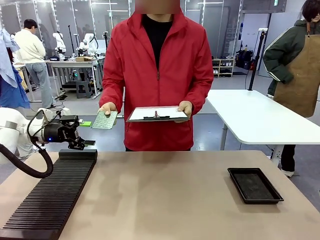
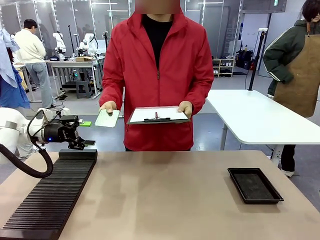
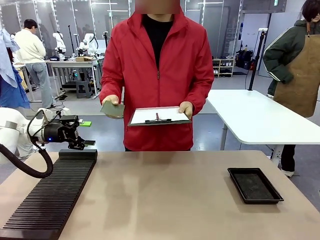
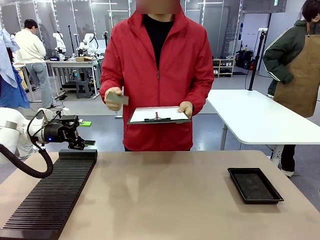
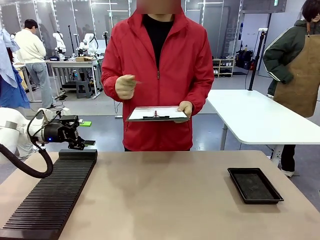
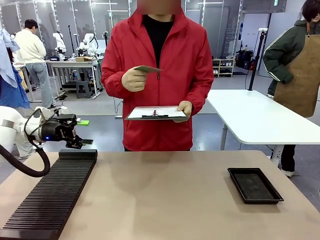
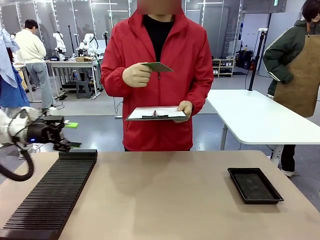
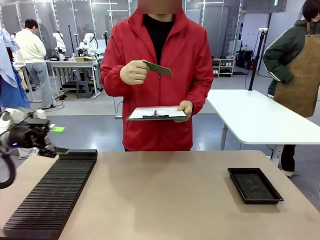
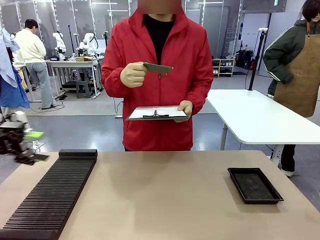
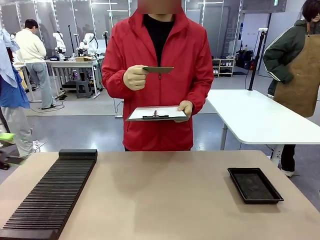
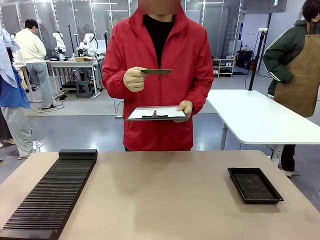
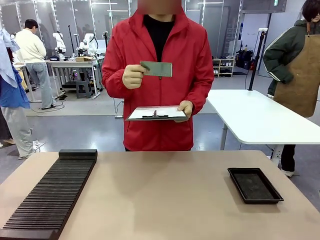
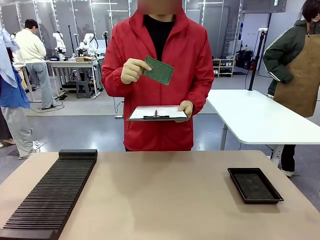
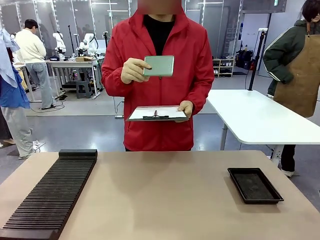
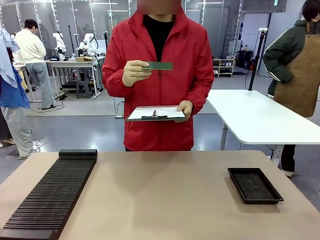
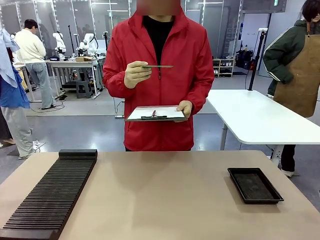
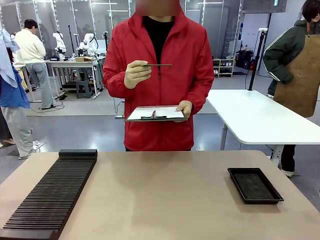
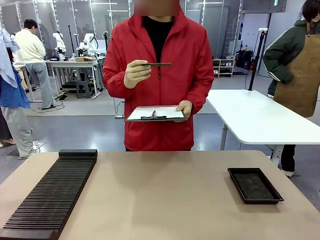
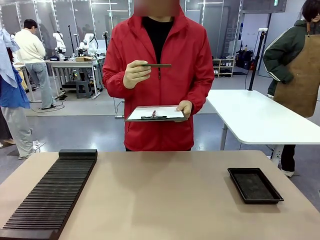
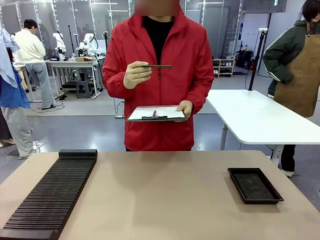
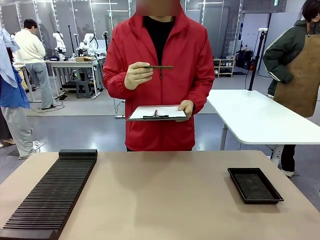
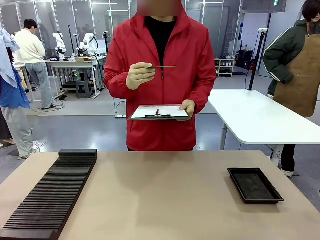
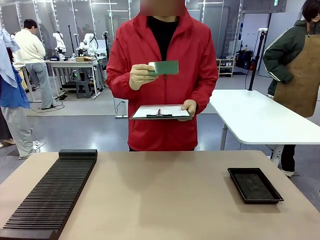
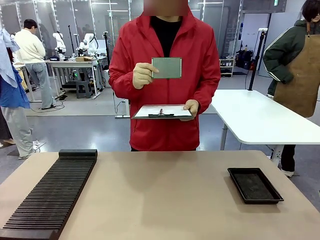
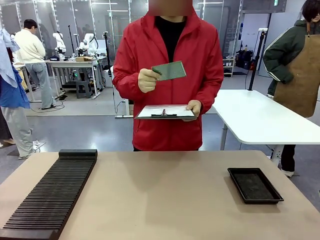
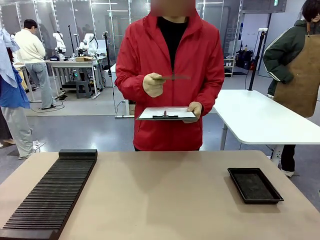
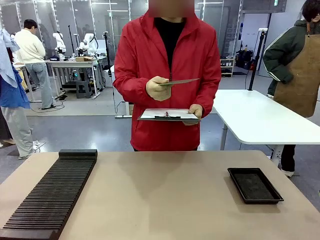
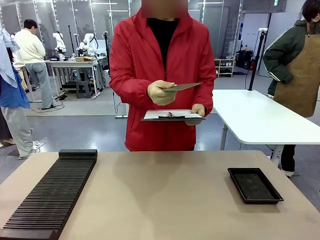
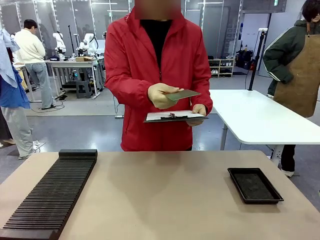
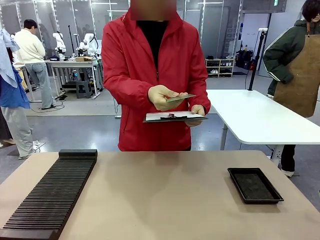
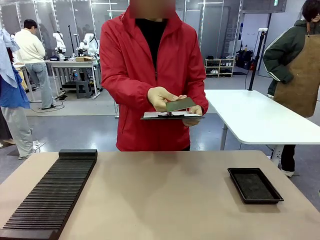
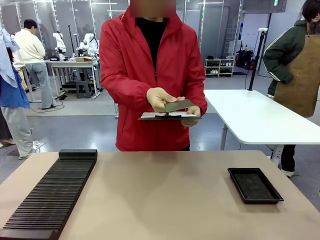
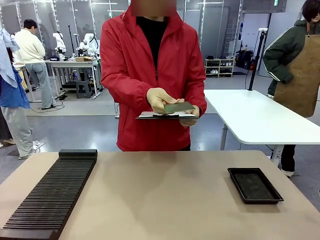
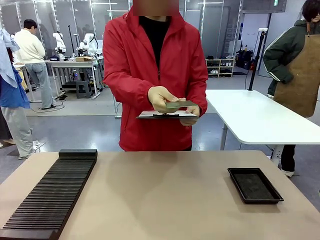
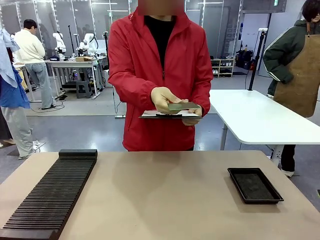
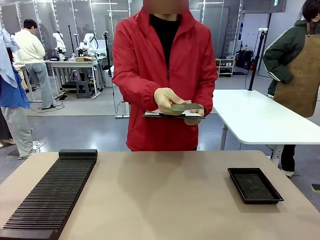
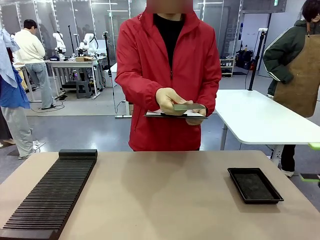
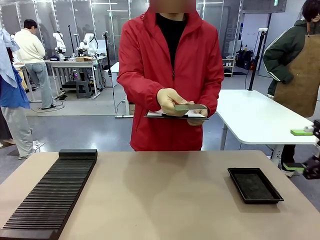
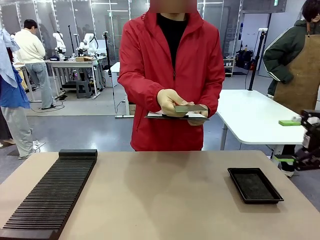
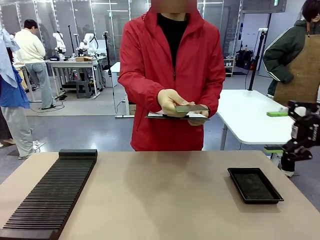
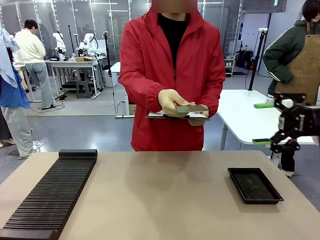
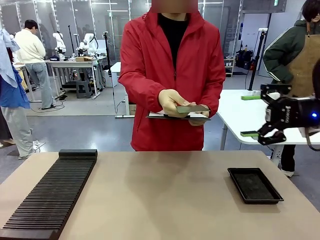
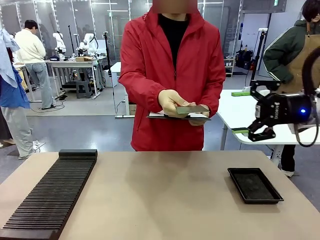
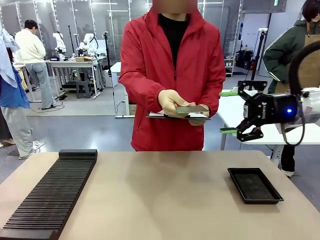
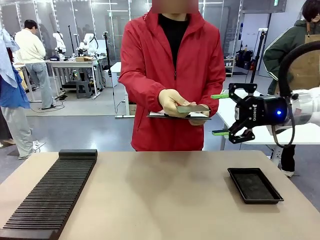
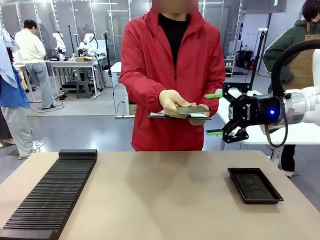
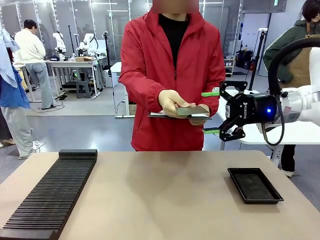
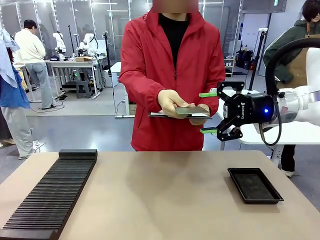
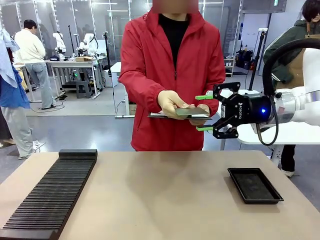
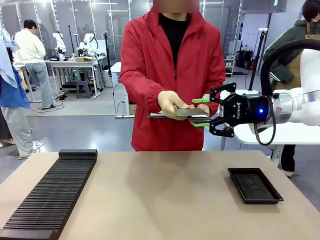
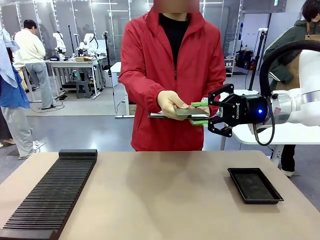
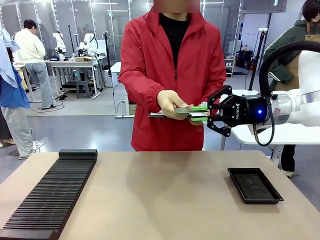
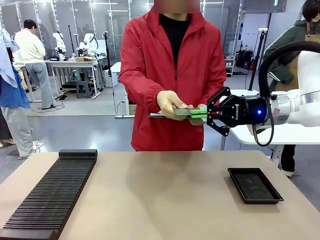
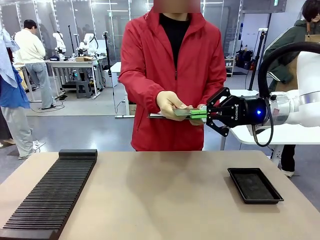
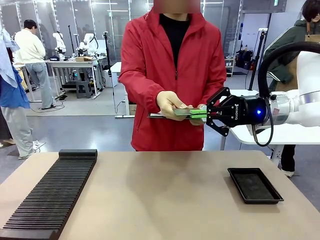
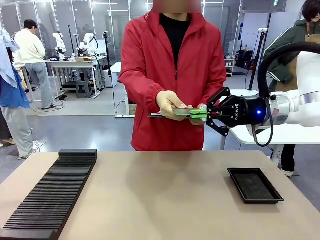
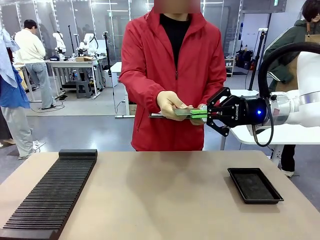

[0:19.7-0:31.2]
Task: Inspect the PCB.
Robot: Pick up the Blank PCB that the human is holding.
Person: Inspect the PCB placed by the robot, then hold it out in front of the robot. Release the PCB you were holding.

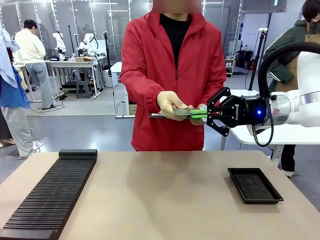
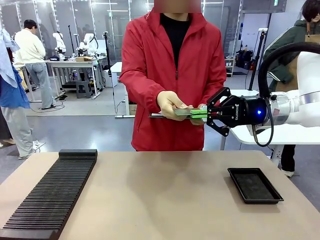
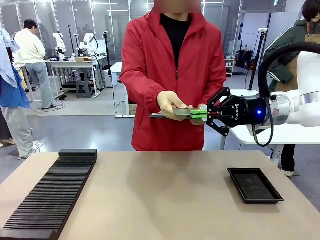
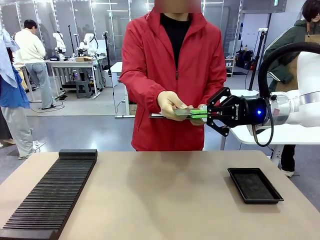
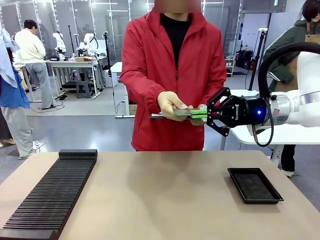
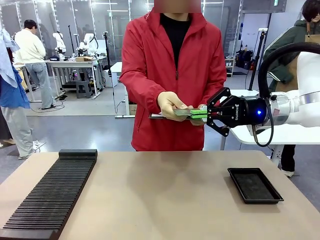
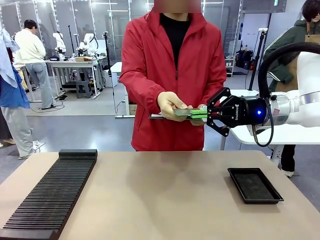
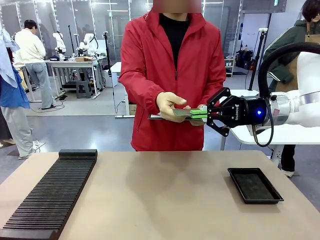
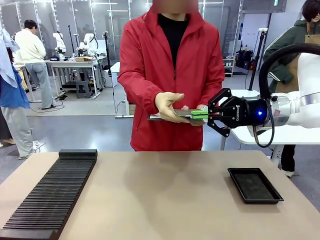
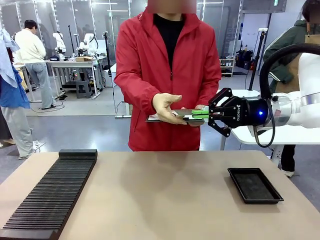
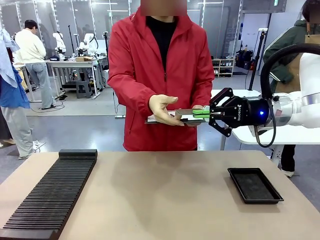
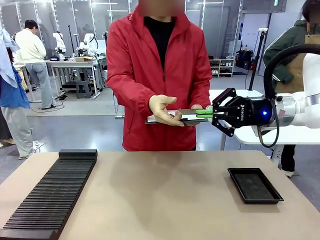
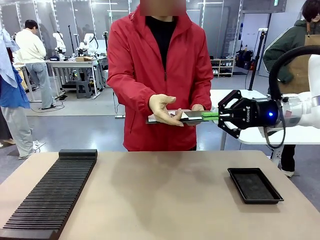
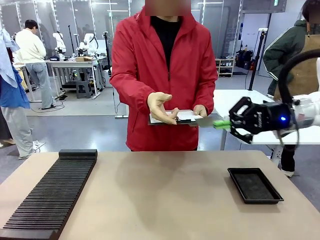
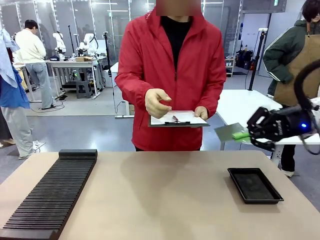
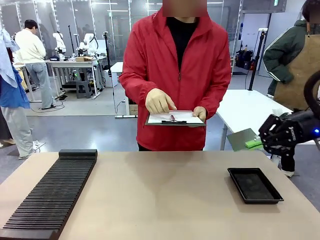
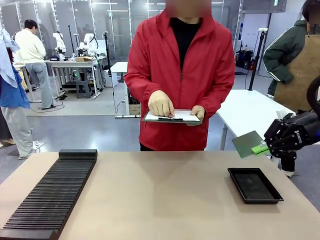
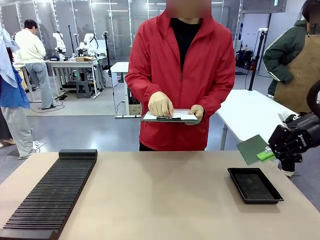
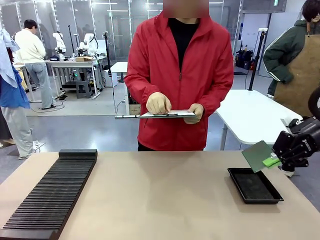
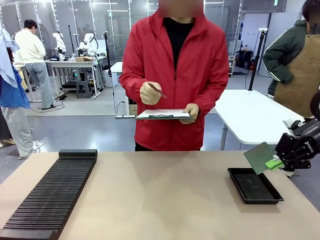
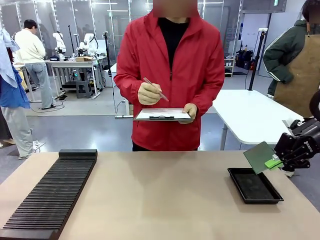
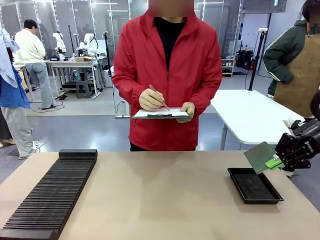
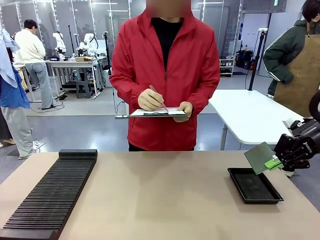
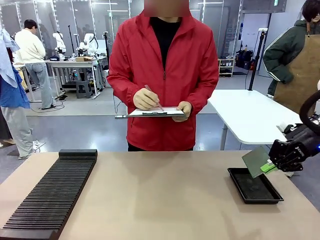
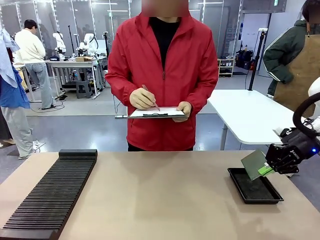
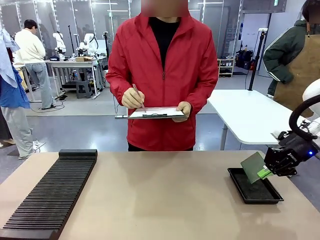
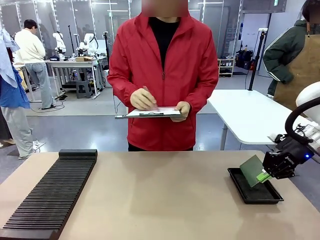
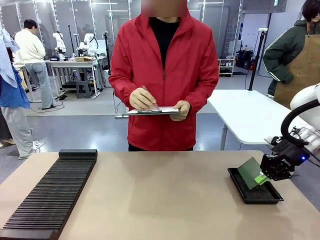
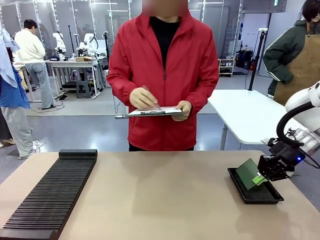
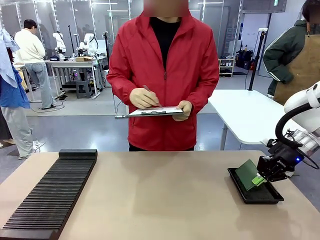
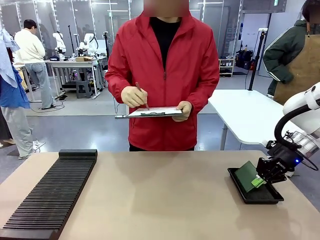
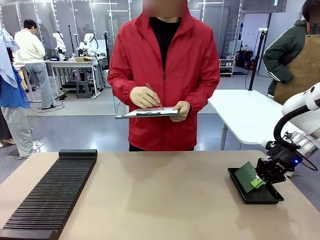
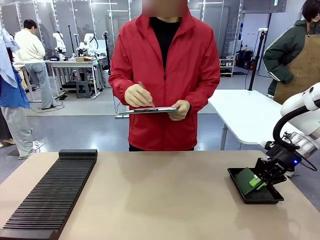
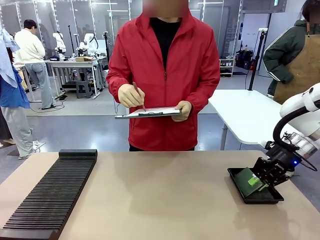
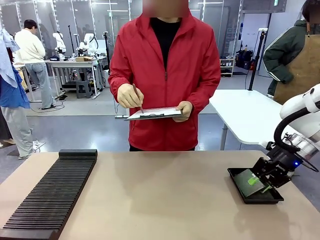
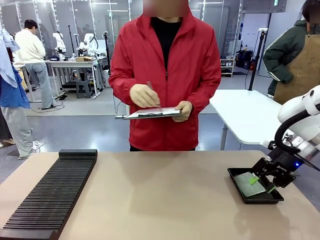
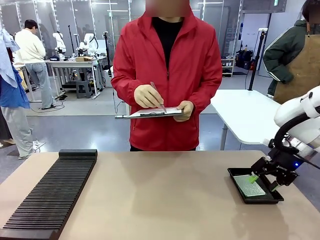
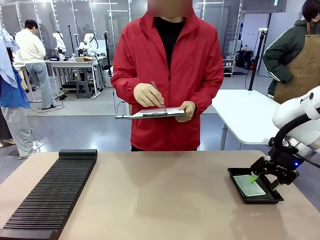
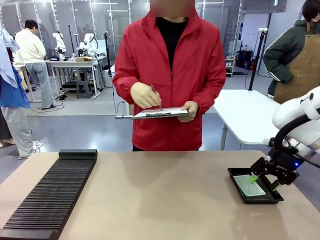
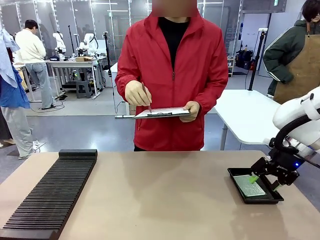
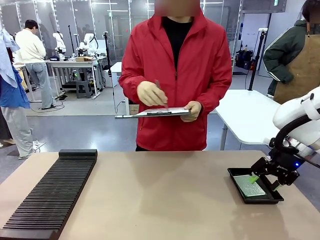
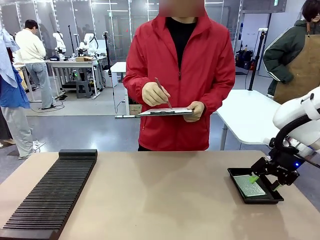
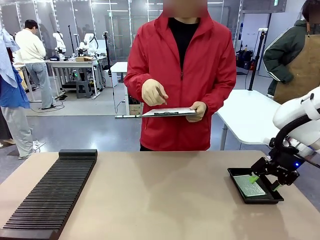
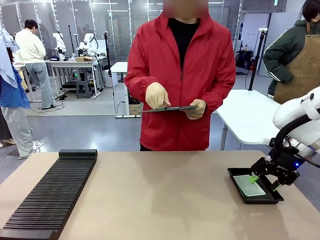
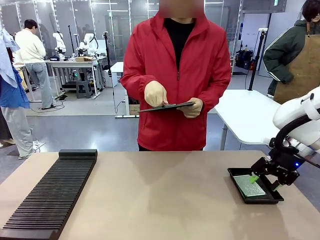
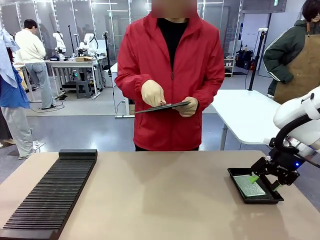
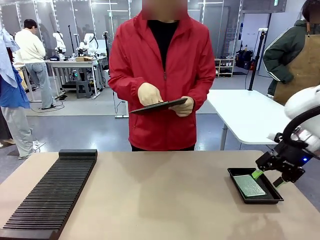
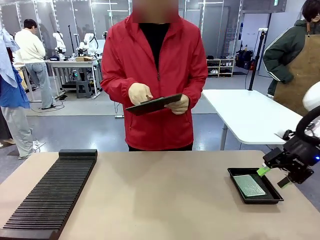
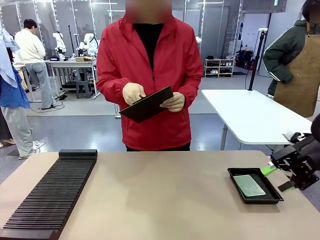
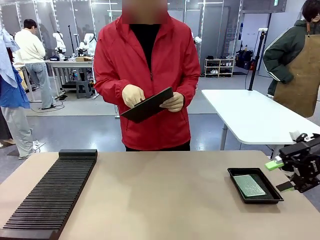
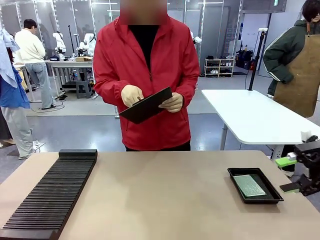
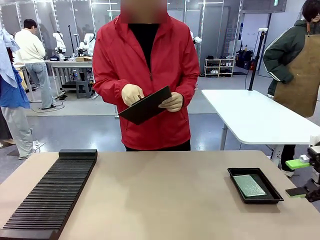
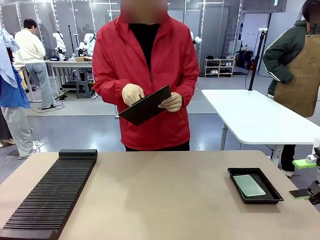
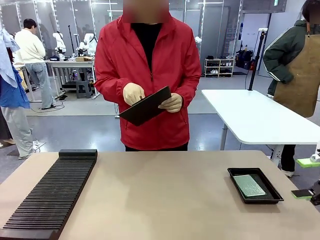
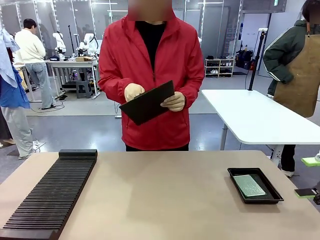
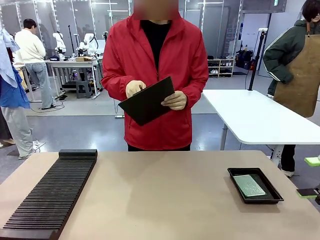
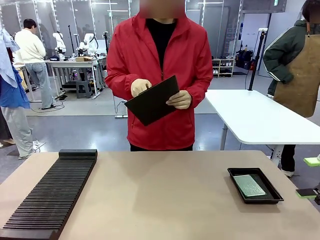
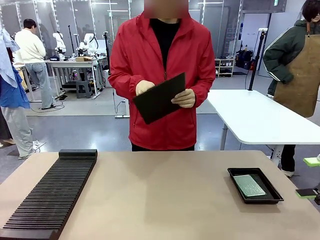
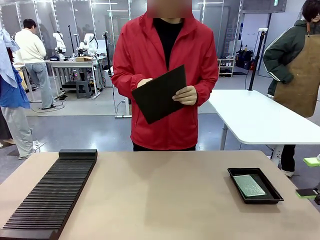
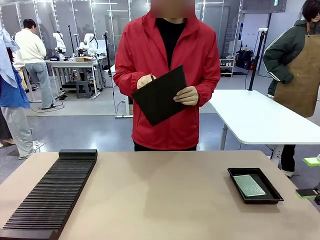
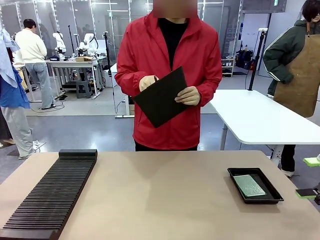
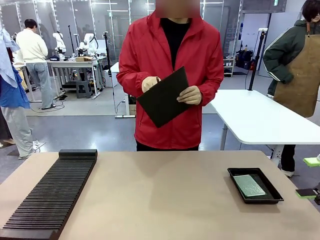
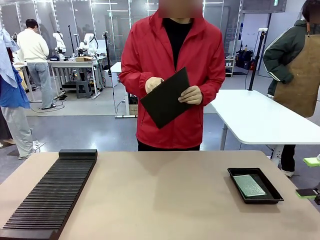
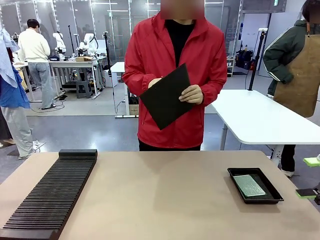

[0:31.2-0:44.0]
Robot: Place the Blank PCB in the ESD tray.
Person: Record the PCB status on the paper.
